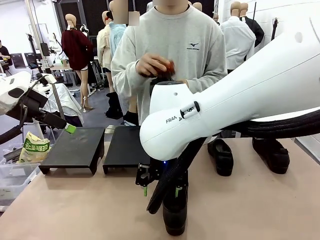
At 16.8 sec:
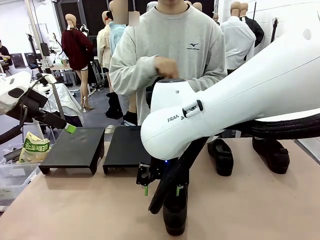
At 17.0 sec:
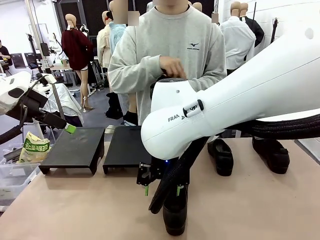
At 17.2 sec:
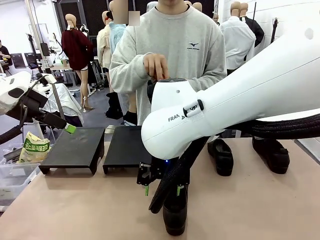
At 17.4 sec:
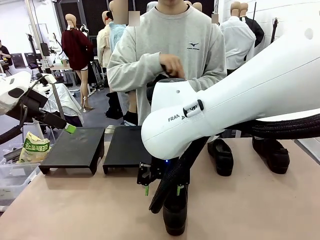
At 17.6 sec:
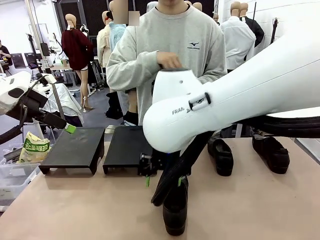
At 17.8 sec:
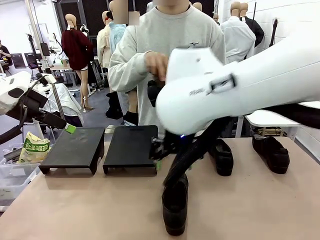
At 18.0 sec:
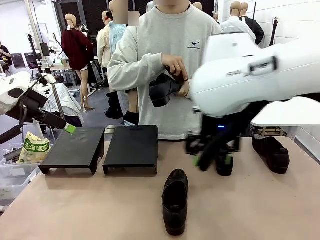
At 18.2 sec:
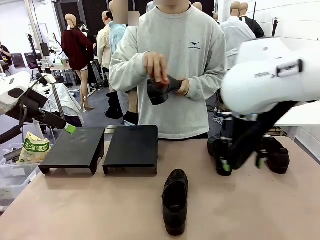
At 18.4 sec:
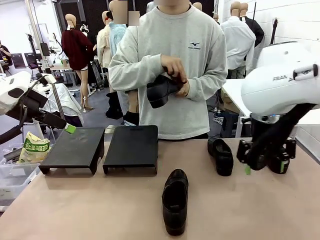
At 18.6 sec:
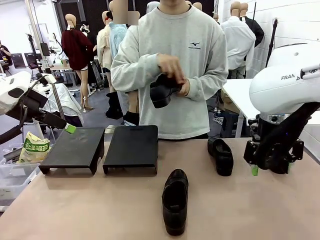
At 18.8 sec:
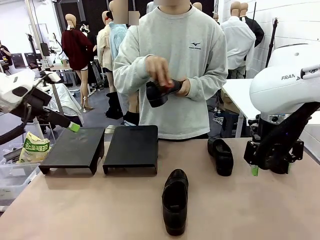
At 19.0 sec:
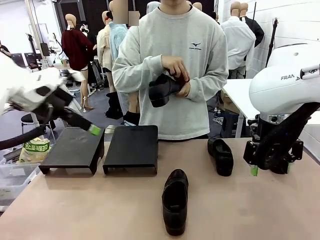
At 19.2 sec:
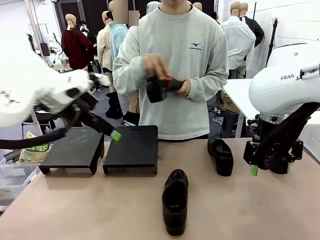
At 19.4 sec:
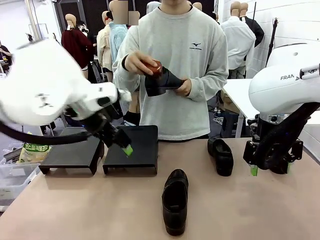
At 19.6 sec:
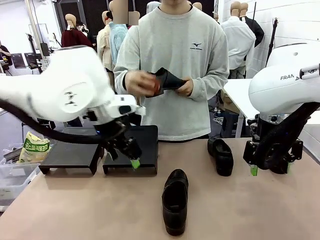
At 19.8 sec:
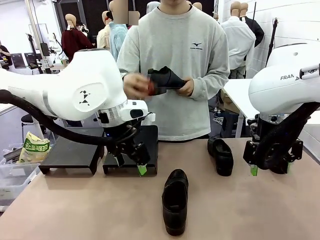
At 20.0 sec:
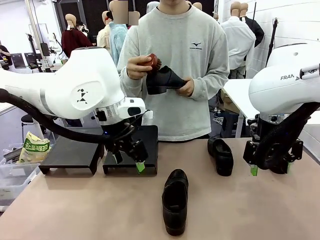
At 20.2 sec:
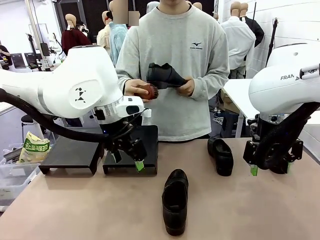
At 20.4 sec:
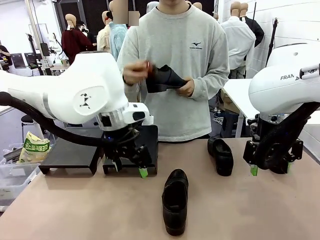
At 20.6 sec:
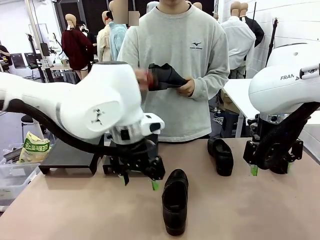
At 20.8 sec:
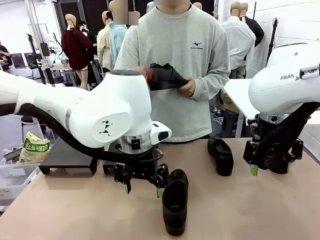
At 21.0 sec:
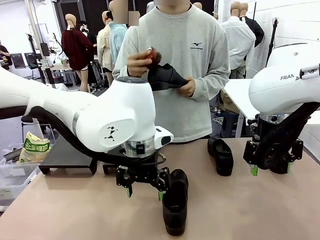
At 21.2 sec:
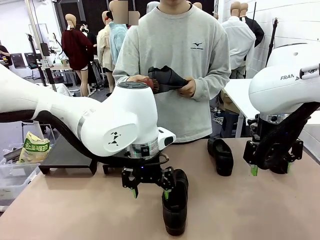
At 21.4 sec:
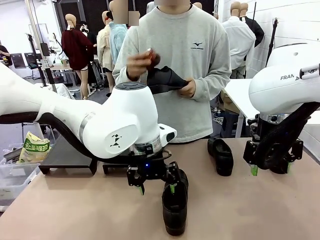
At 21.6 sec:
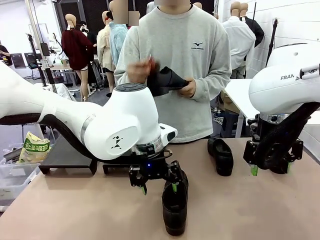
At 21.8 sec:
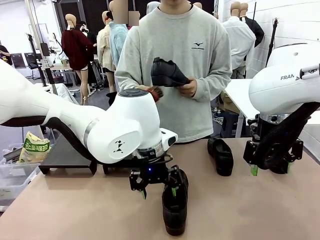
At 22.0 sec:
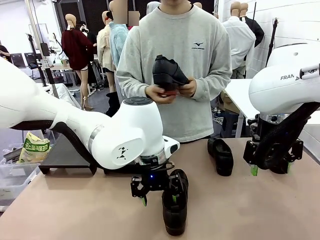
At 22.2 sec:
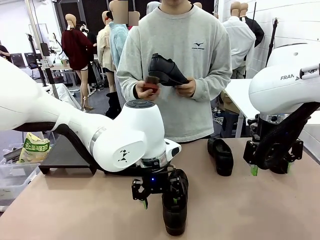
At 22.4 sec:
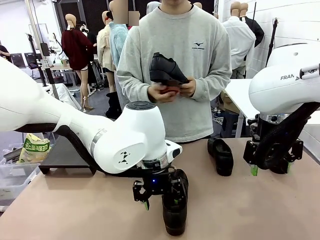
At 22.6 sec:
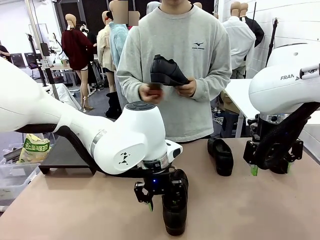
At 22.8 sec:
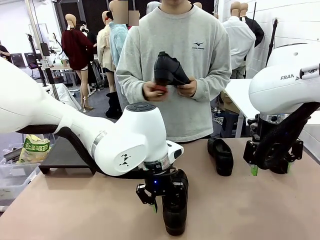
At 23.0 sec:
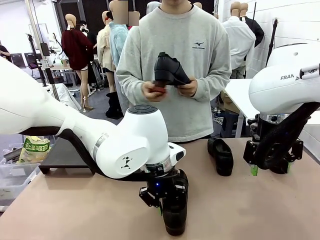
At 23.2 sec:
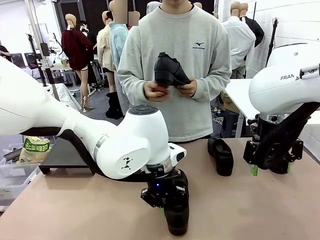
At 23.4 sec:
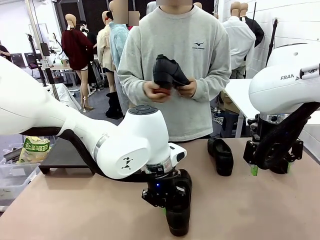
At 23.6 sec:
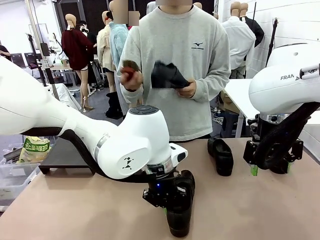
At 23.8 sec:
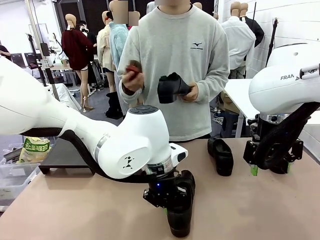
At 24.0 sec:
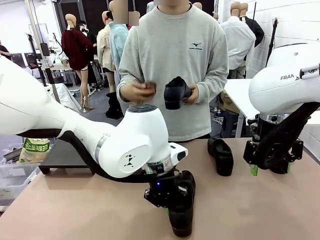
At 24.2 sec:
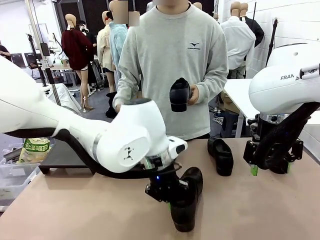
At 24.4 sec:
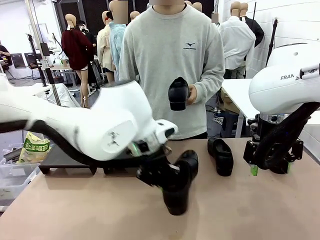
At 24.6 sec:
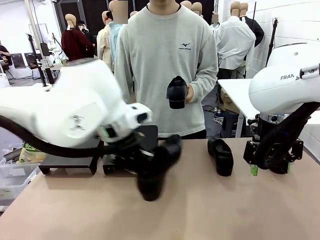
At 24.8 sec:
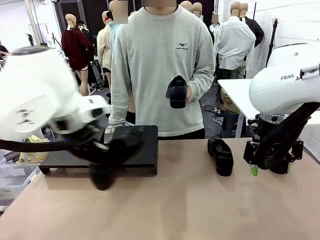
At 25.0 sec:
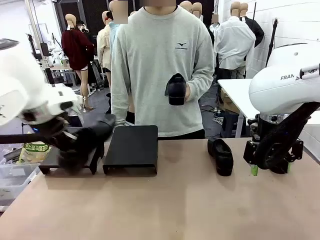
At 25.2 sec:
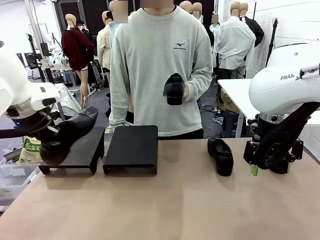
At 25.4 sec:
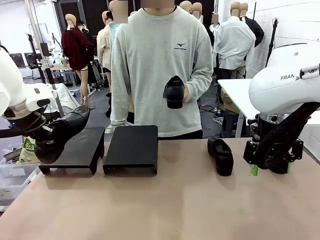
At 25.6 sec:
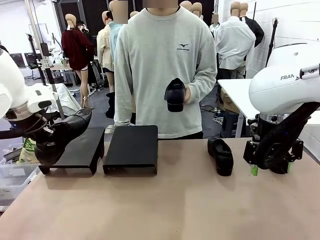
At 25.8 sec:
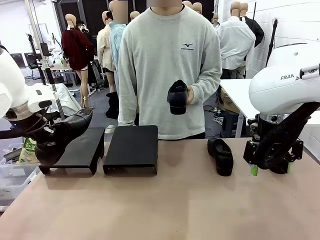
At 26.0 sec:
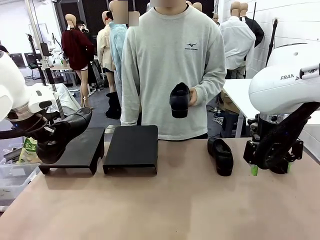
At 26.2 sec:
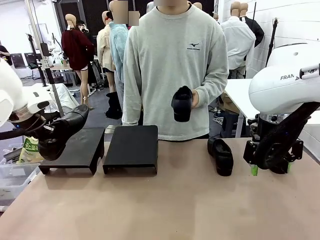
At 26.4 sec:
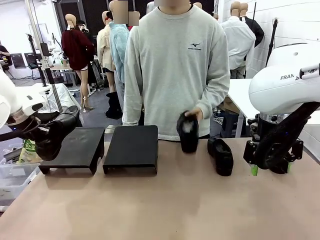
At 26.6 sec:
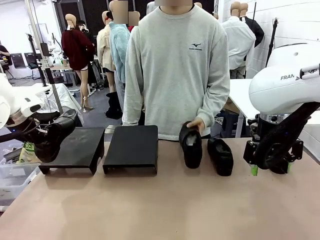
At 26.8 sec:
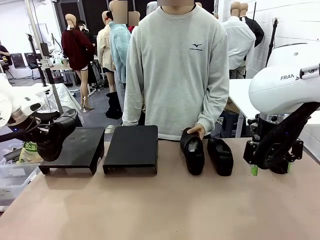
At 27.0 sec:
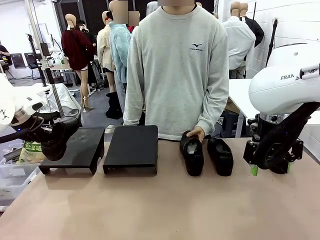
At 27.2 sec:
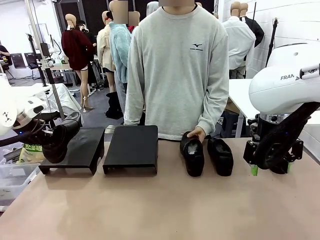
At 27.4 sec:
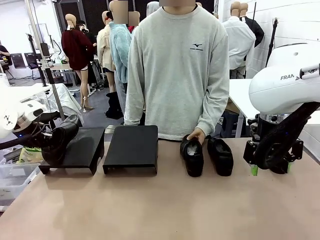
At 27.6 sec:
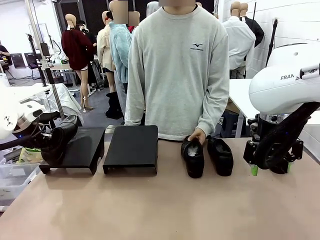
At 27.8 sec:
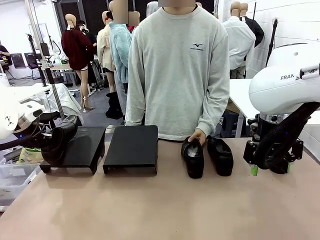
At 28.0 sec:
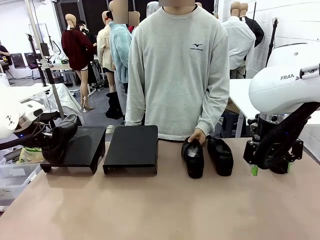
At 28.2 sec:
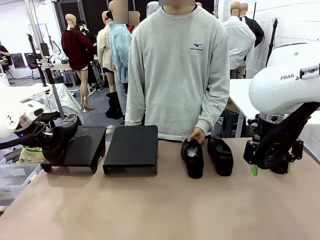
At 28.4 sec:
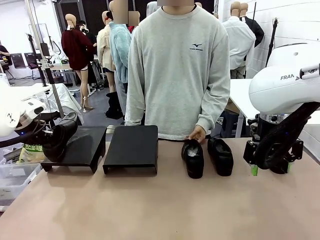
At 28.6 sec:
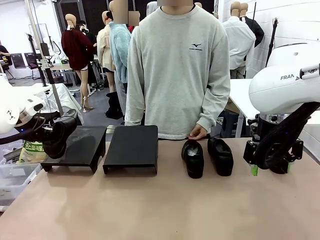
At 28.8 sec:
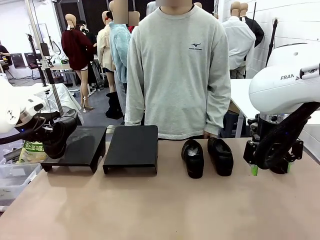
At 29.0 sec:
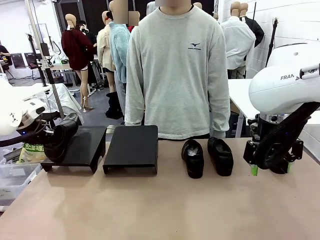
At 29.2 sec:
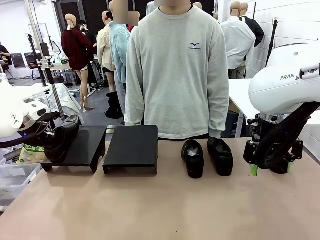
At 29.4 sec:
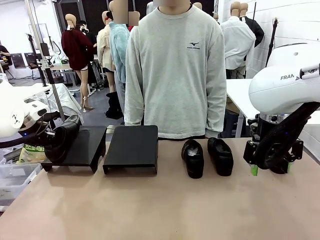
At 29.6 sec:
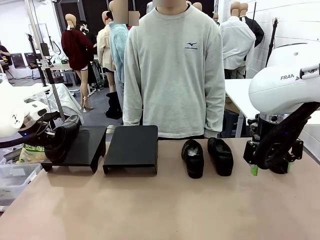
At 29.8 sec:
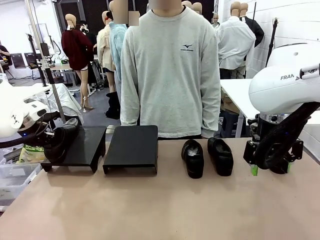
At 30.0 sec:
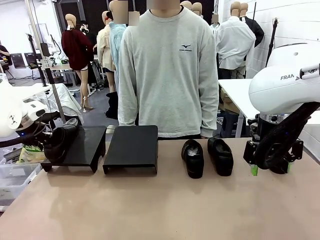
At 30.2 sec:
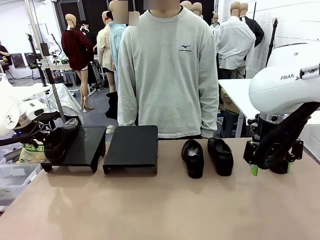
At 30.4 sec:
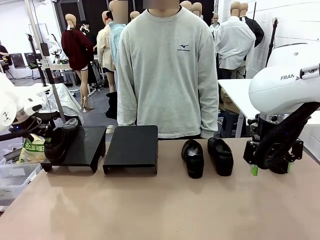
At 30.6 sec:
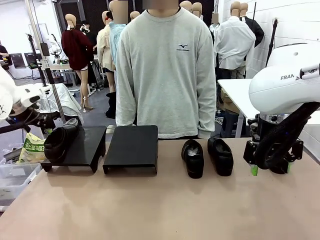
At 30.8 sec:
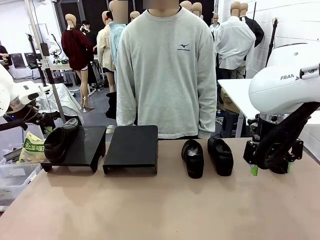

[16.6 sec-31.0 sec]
Task: Organize the shoes by placing them on the stand.
Robot: Place the Shoe from the middle of the table onto the Shoes Stand.
Person: Place the Shoe on left side of the Robot's table.
